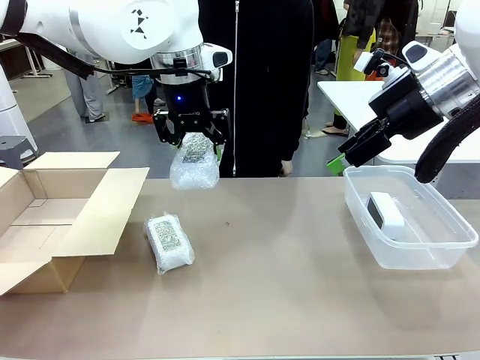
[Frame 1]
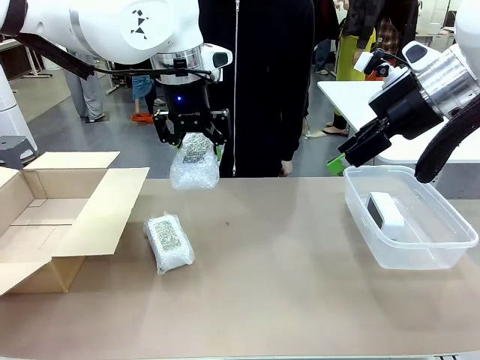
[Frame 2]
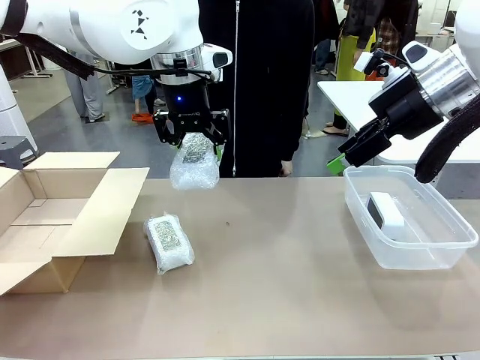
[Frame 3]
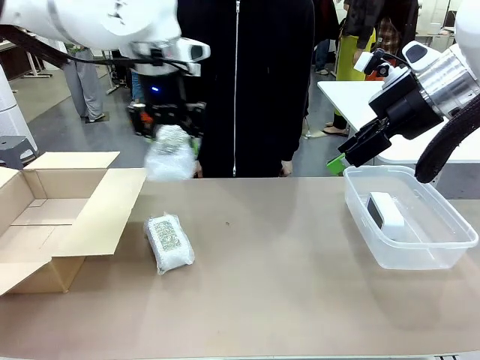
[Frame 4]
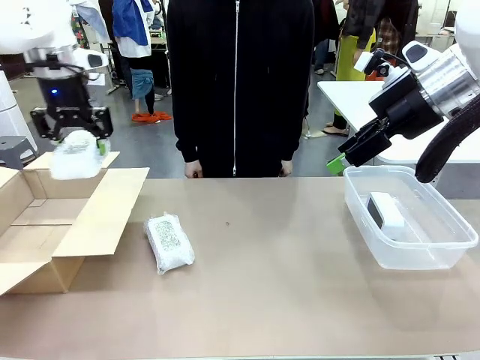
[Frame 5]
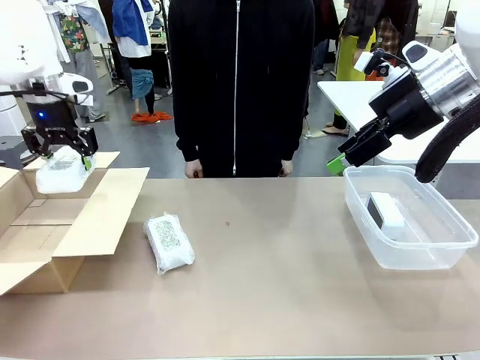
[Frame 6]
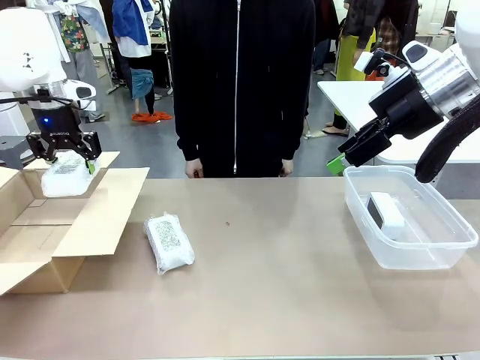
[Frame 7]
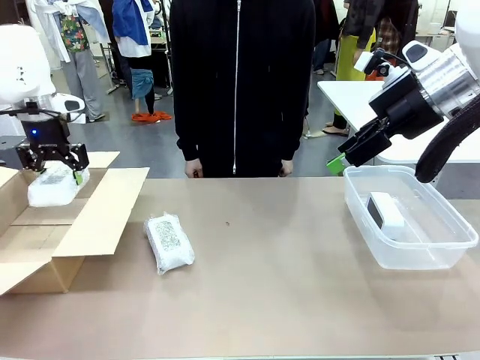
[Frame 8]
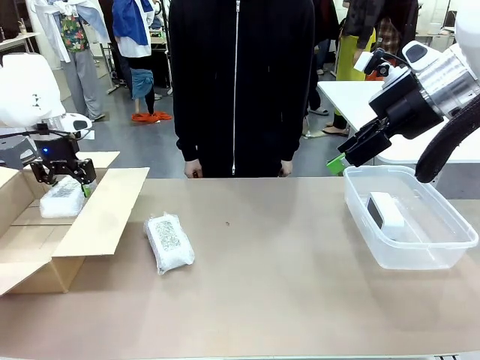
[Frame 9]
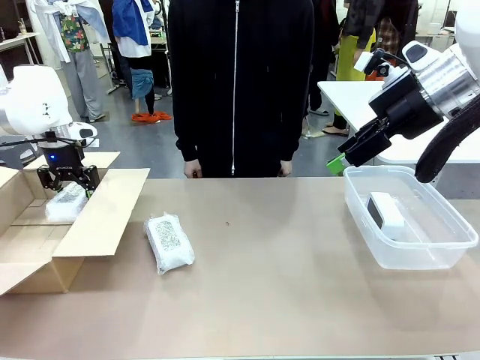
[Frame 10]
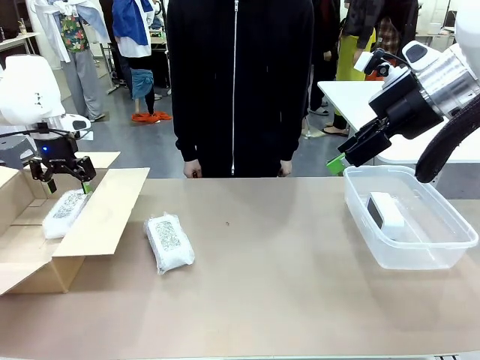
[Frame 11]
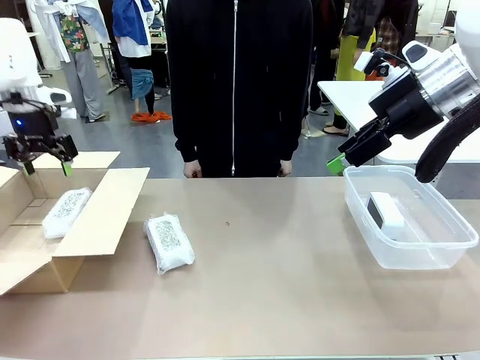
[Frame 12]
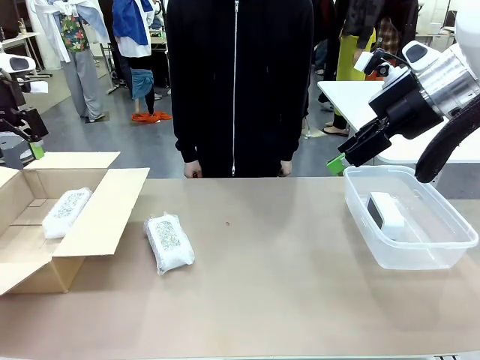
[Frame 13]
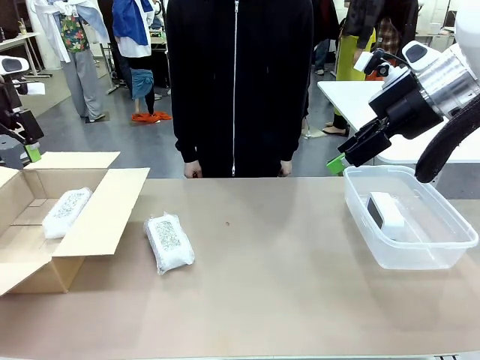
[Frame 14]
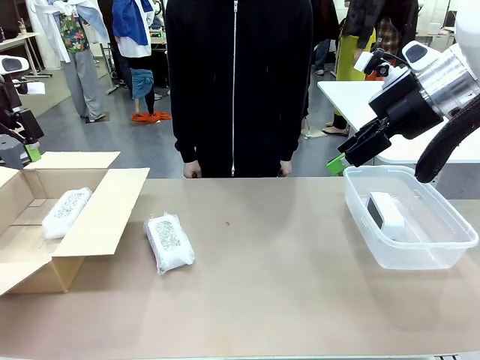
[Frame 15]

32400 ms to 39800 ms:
Task: Separate and place wrapped and unwrapped clocks.
Robot: If the picked Digital clock is wrapped, place it in the Package Box ; if not, place it in the Organizing box.

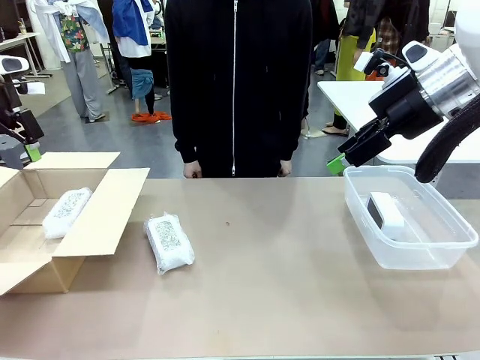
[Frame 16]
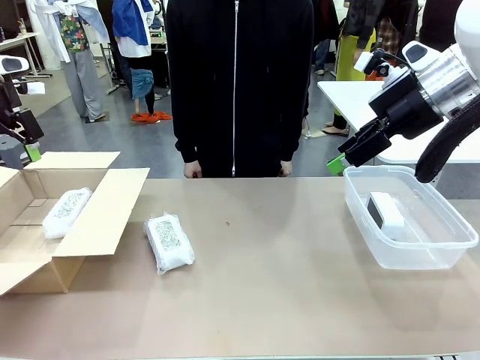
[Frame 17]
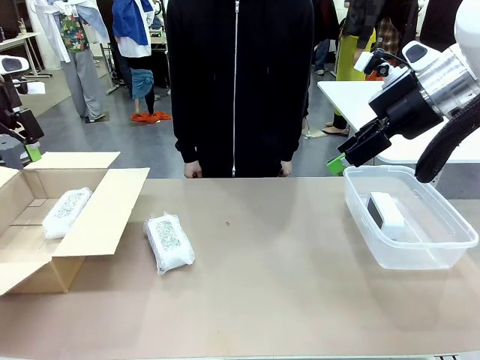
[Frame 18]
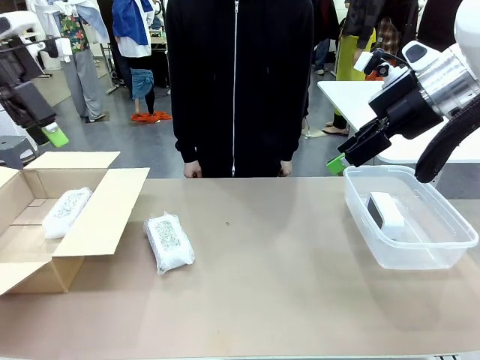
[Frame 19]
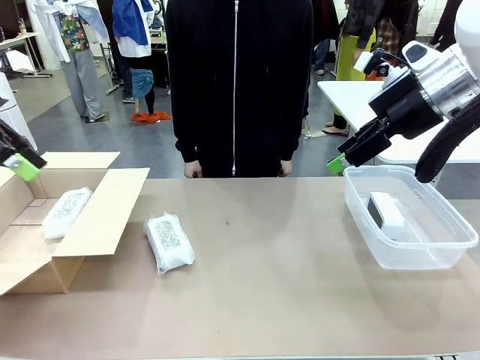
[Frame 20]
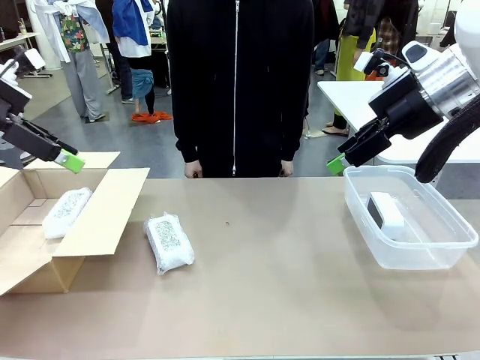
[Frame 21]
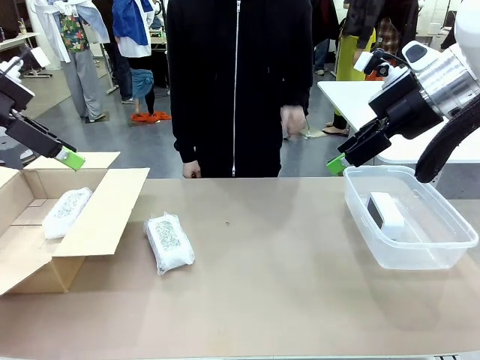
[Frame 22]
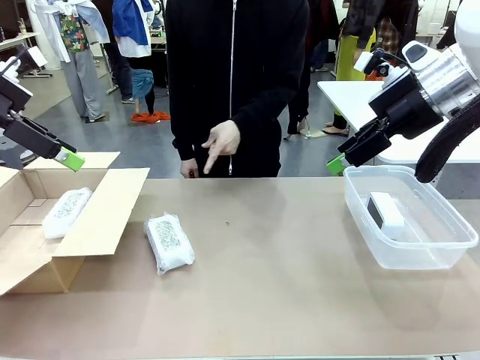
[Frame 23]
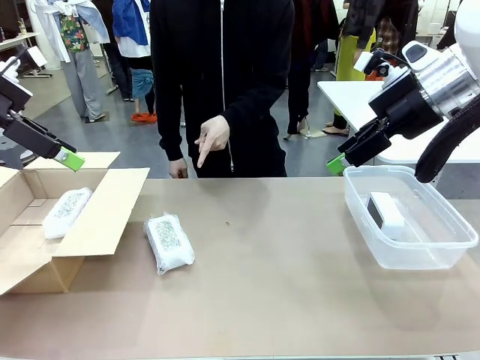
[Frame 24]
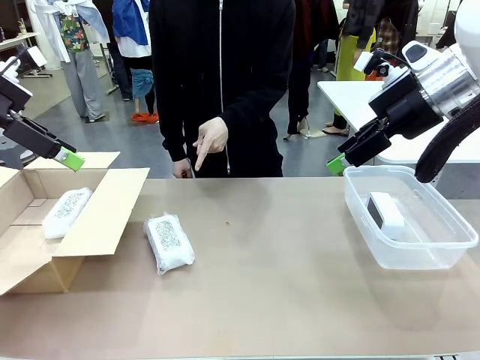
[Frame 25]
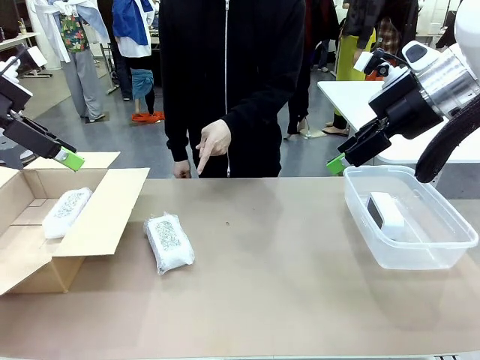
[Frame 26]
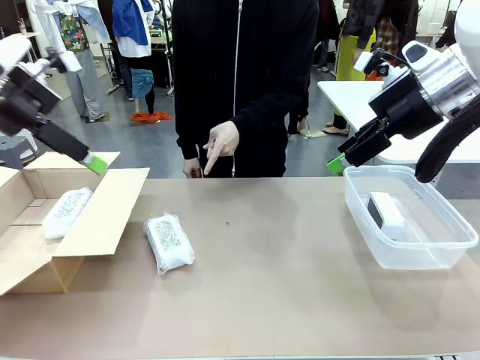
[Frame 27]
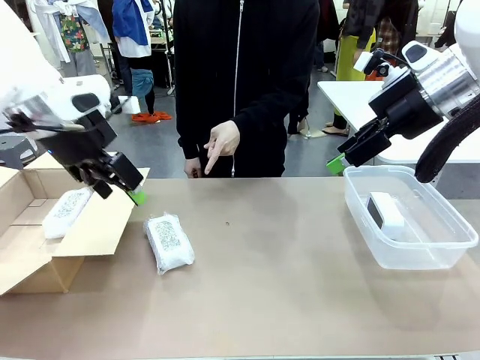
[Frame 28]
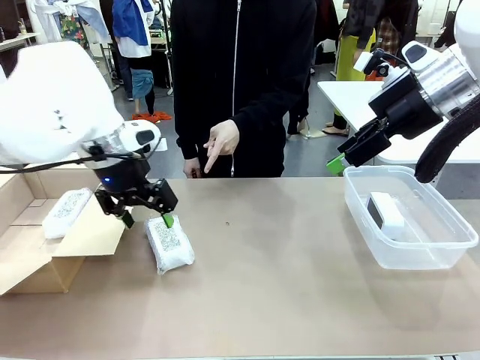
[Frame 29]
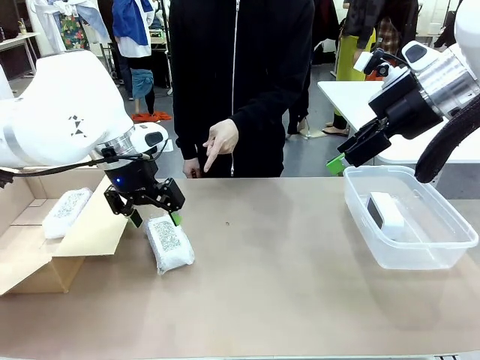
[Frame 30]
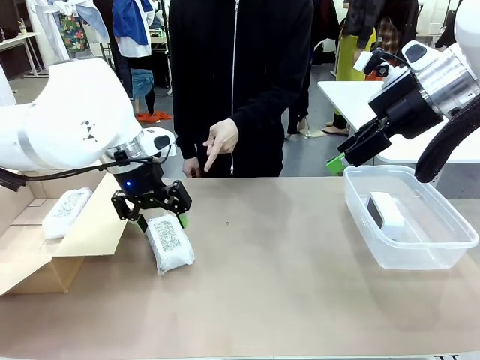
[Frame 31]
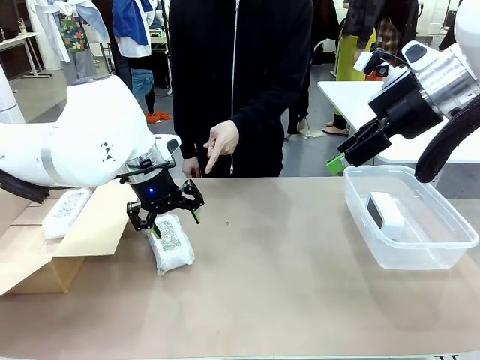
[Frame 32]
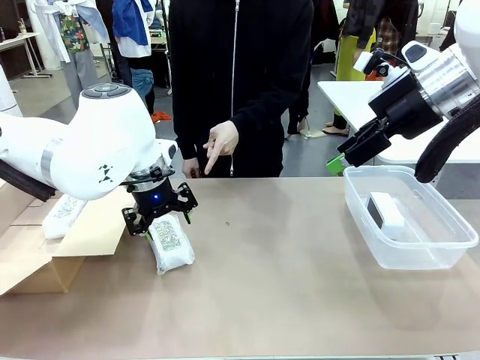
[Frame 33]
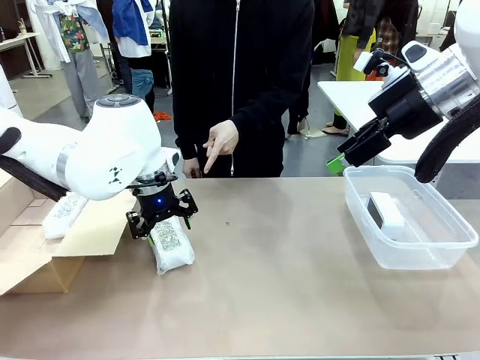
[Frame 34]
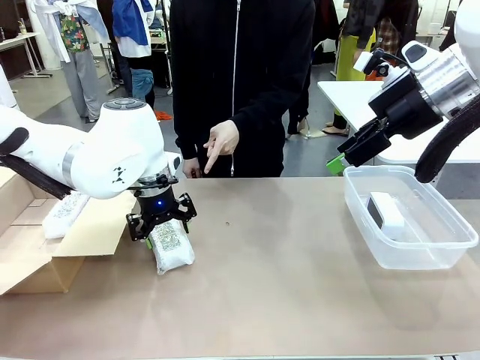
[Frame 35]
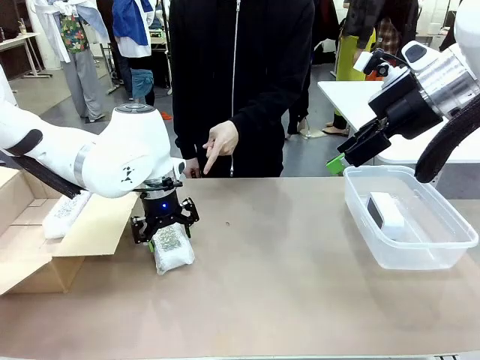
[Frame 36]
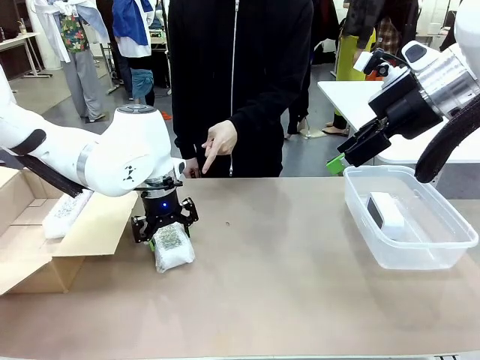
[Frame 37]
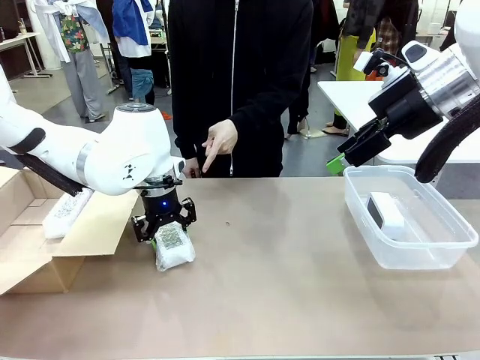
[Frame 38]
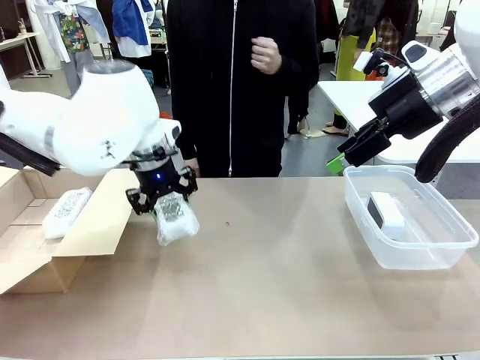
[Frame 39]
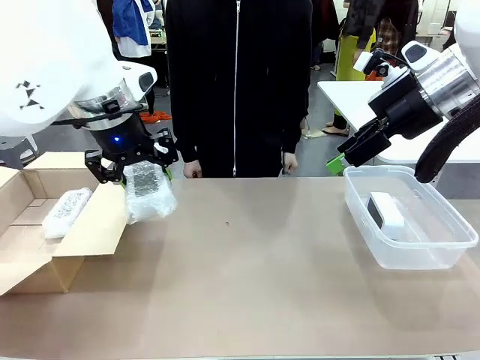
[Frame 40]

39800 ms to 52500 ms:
Robot: Pick up the Digital clock indicated by the person.

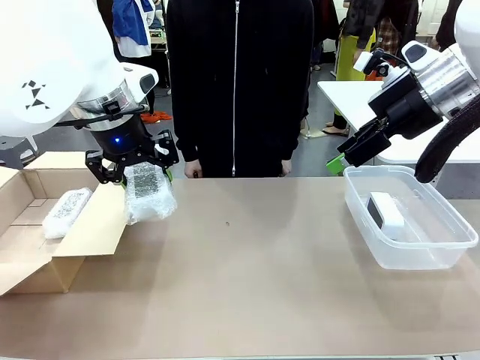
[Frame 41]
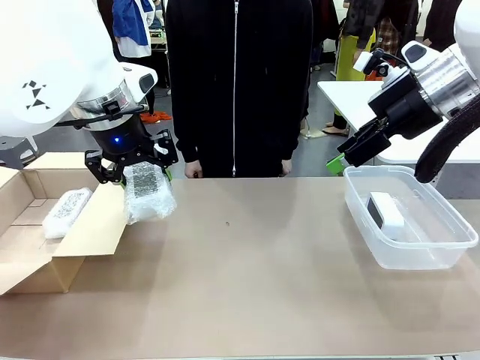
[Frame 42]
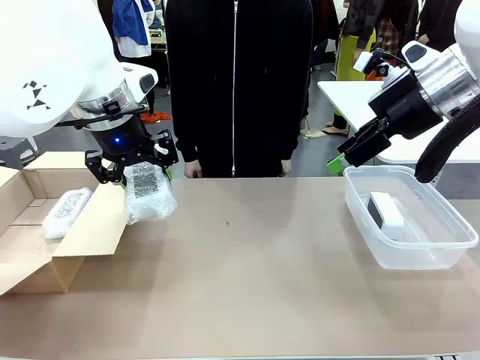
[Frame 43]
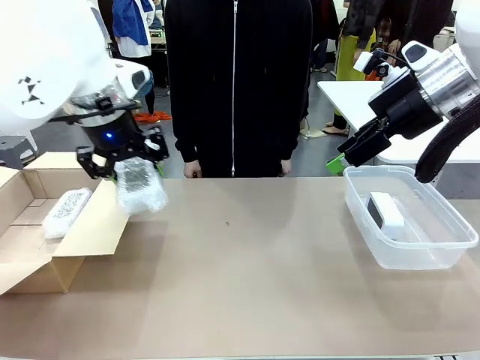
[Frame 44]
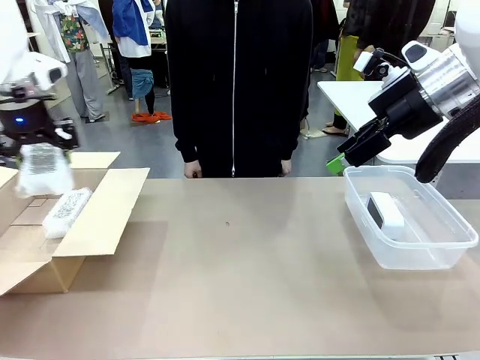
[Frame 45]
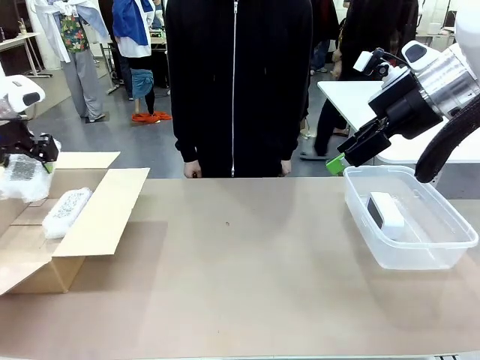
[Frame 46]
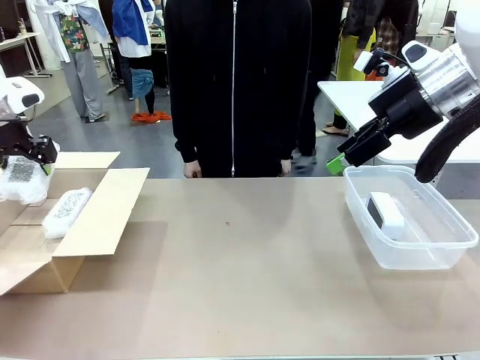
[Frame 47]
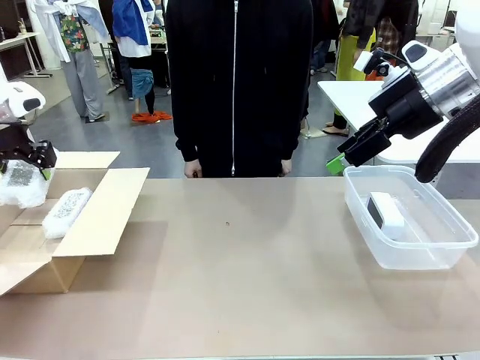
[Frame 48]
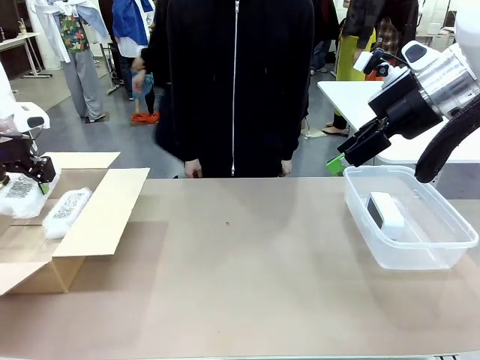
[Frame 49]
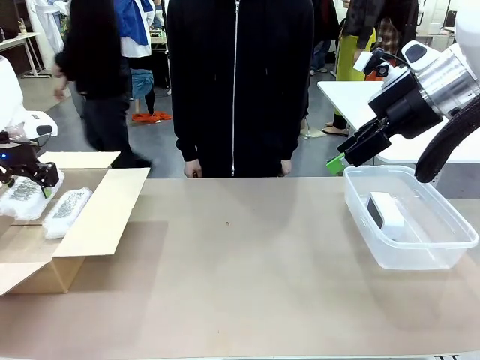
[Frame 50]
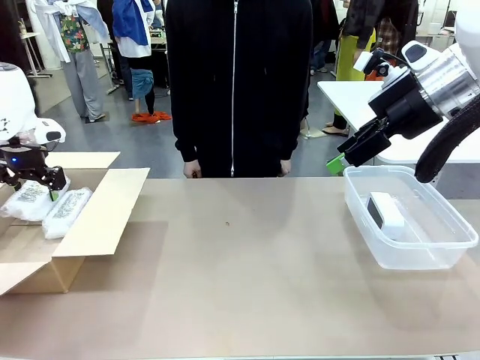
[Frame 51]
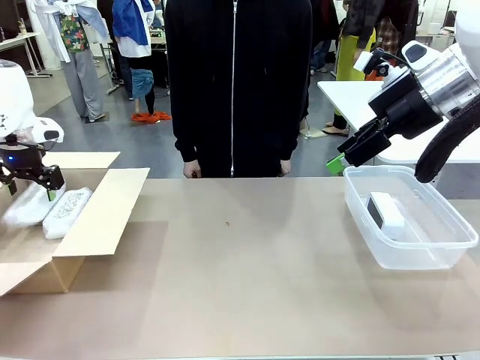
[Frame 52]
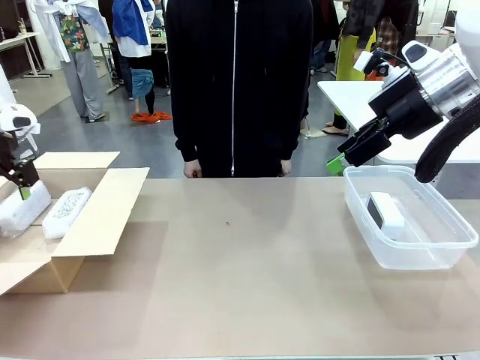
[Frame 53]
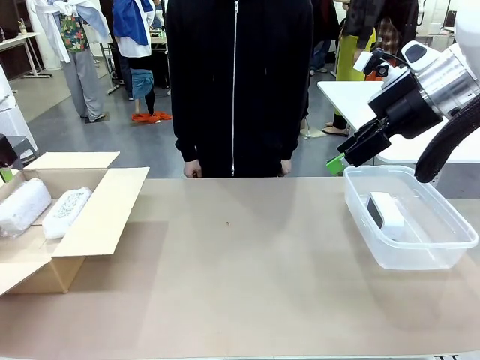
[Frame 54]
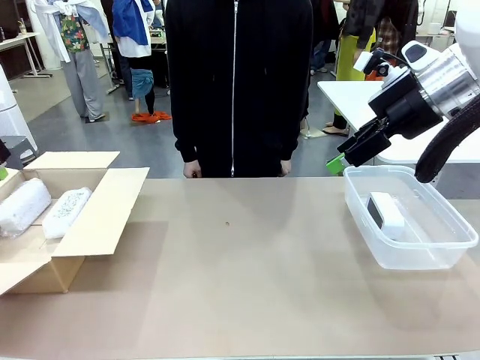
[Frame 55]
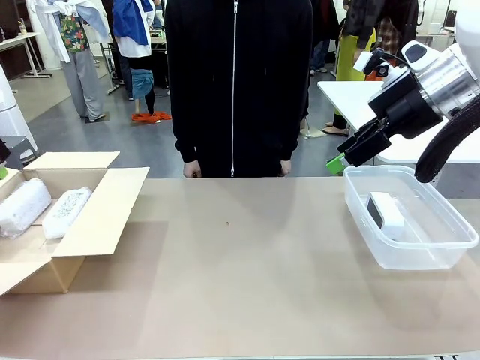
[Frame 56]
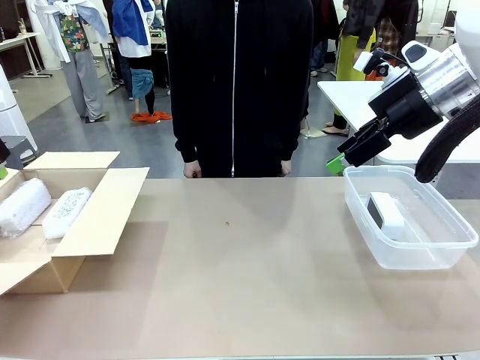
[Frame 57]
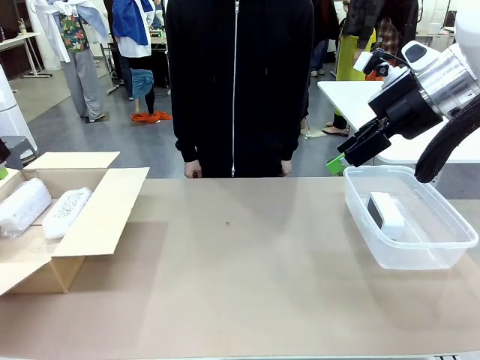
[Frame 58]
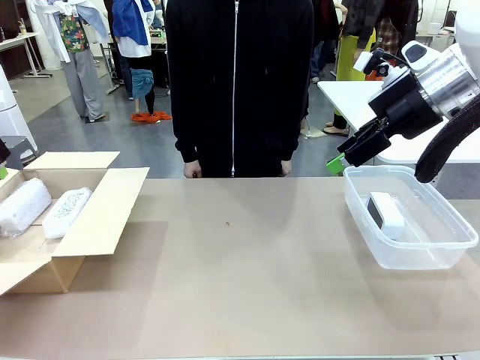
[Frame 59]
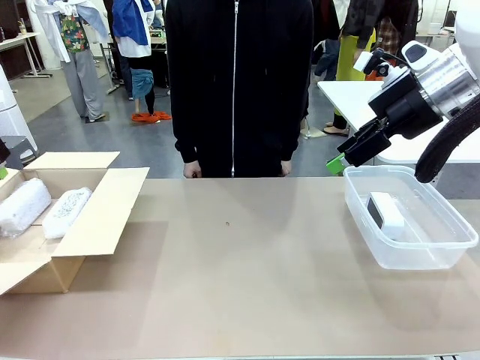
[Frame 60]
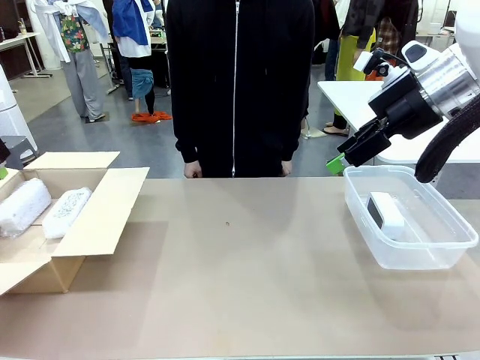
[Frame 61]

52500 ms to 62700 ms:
Robot: If the picked Digital clock is wrapped, place it in the Package Box ; if not, place it in the Organizing box.
